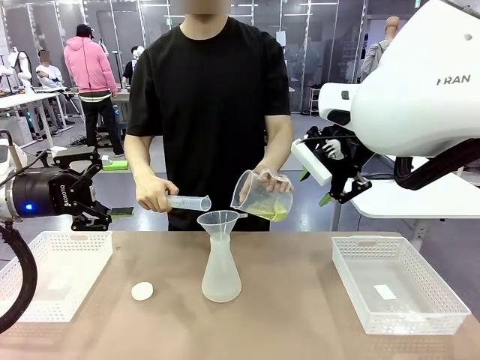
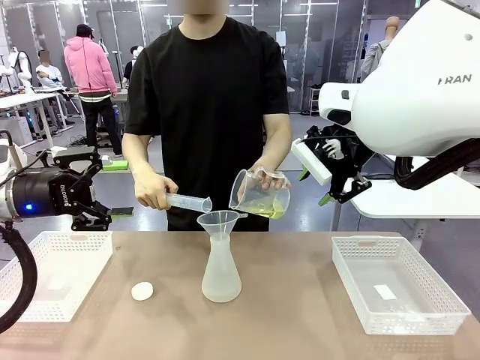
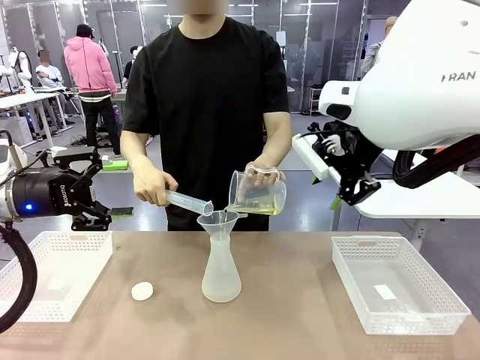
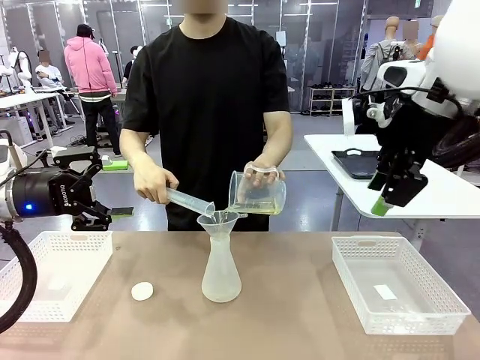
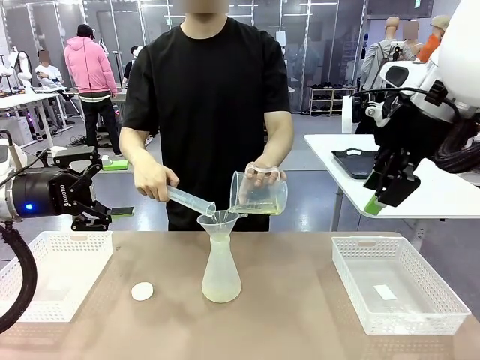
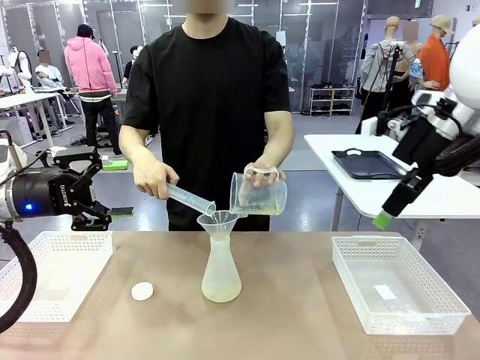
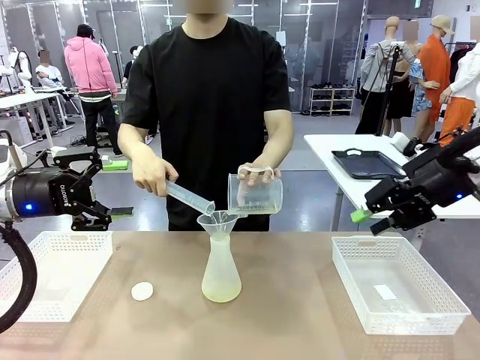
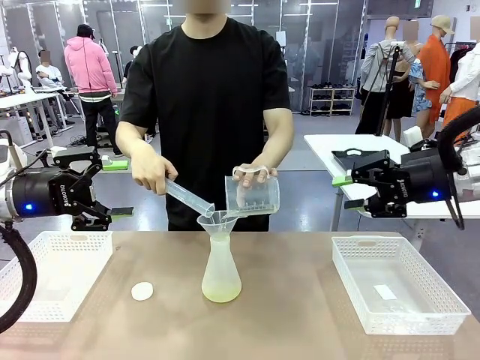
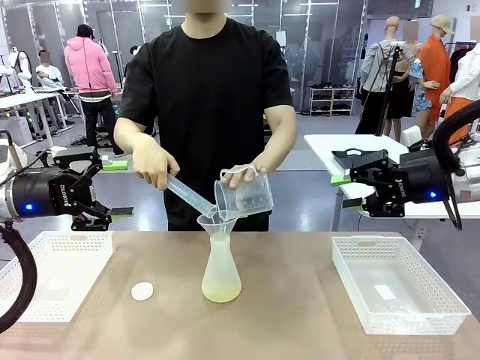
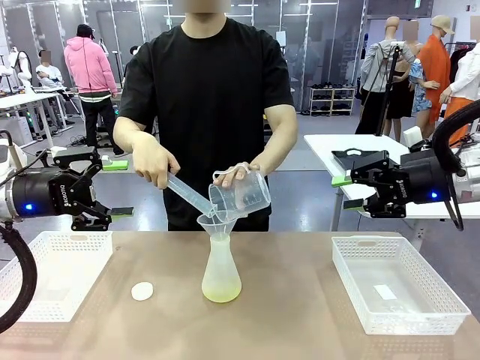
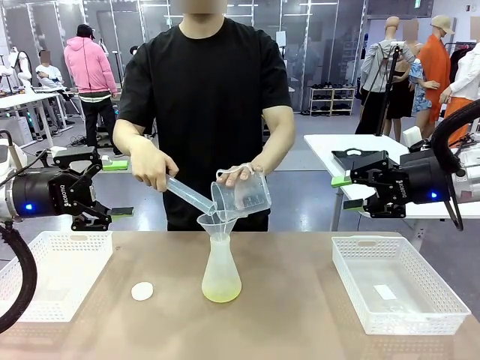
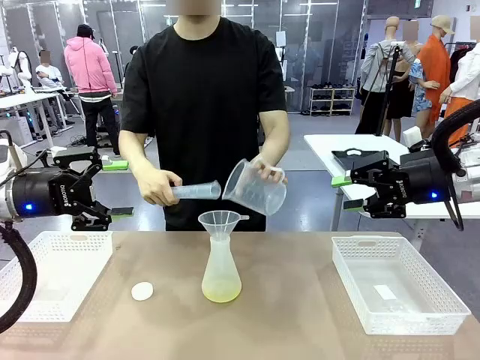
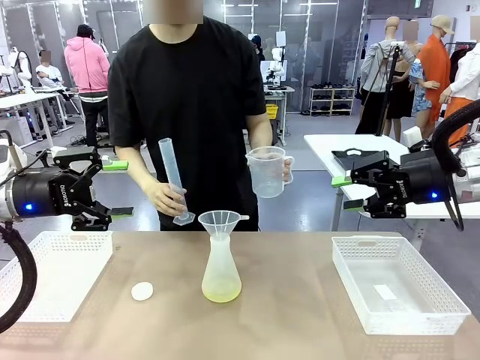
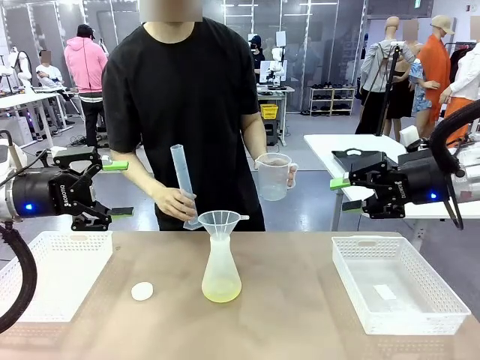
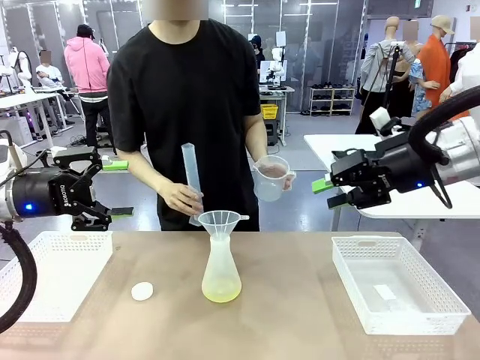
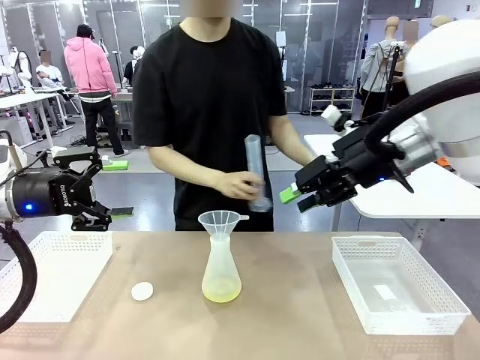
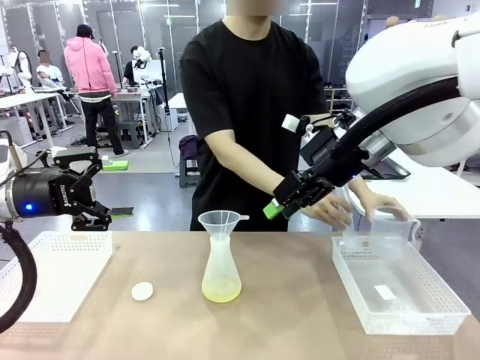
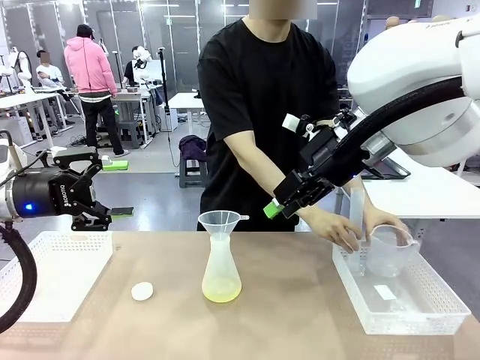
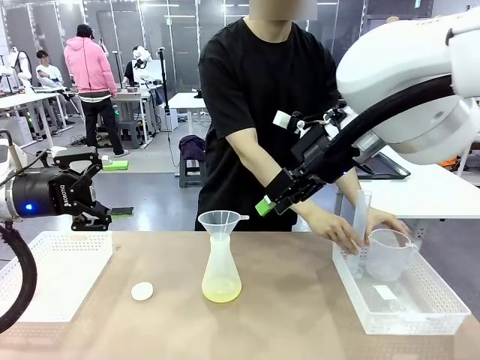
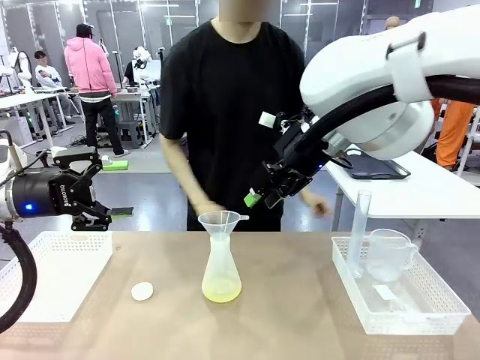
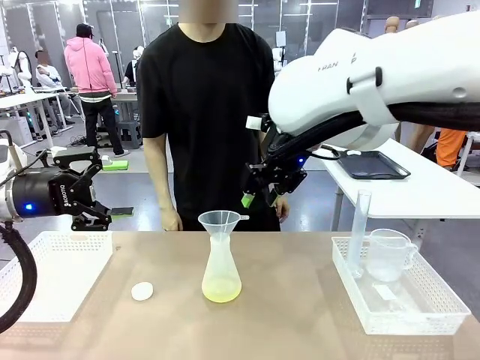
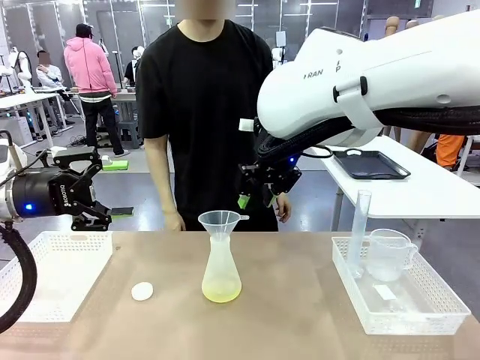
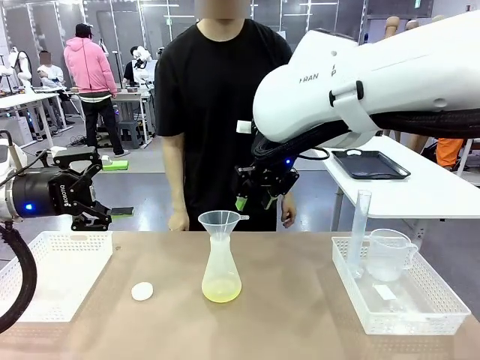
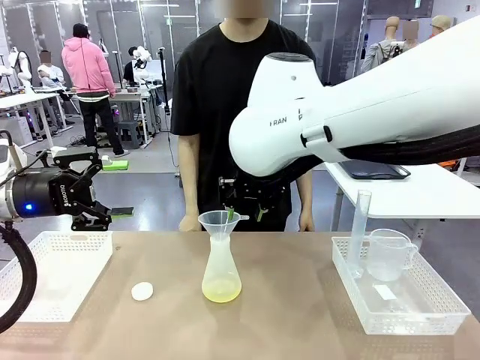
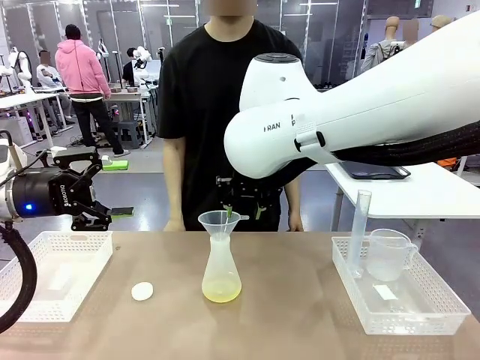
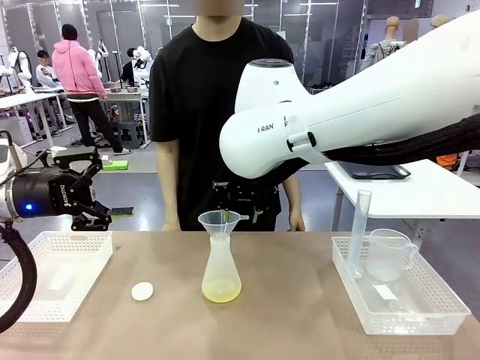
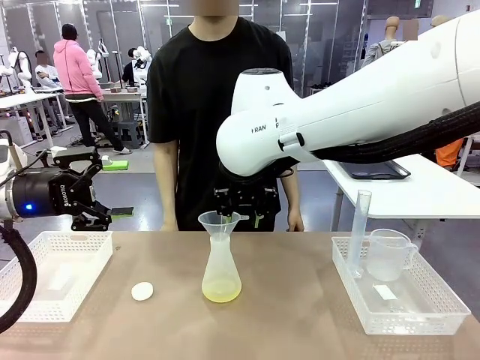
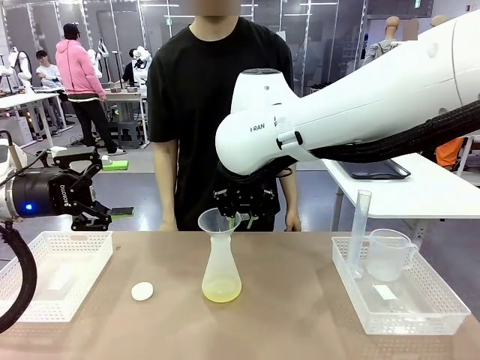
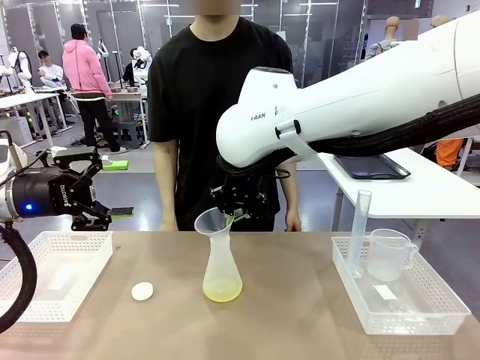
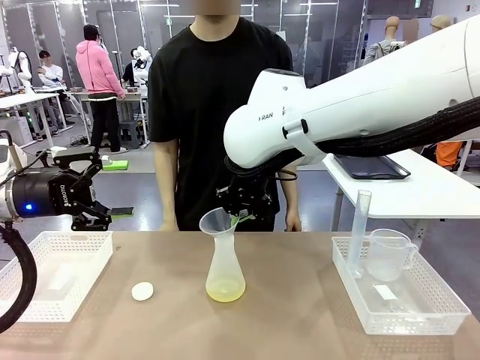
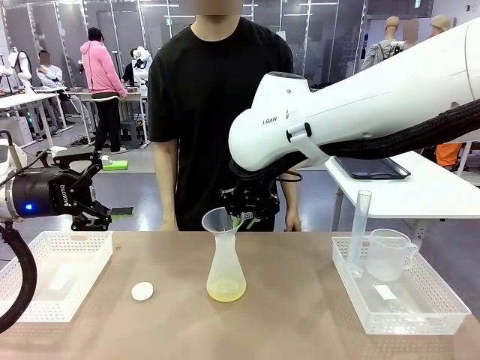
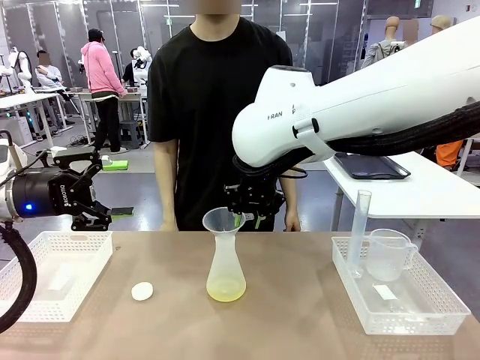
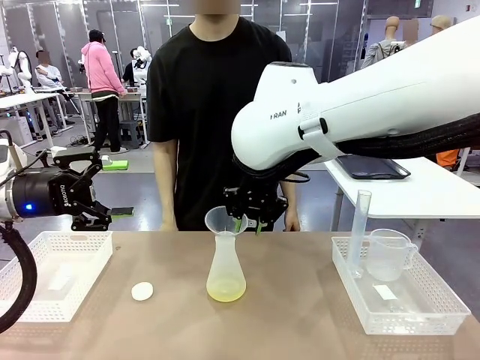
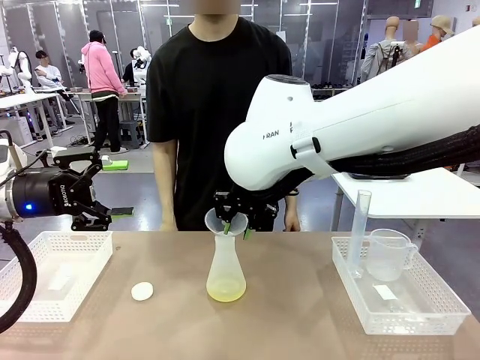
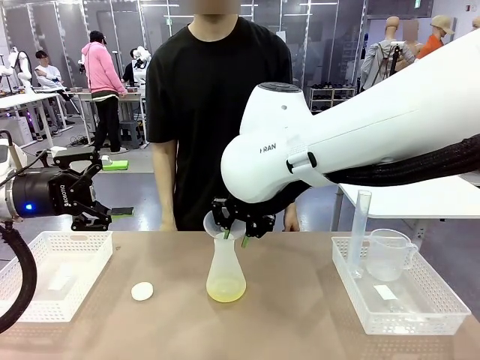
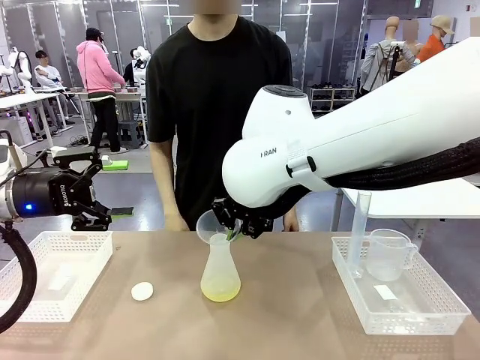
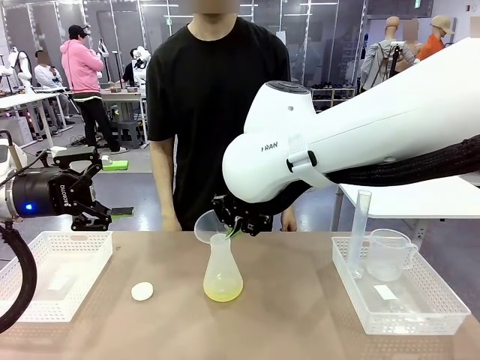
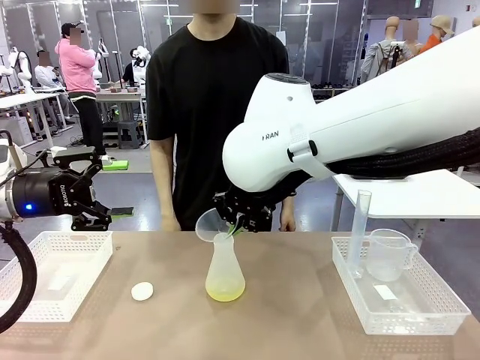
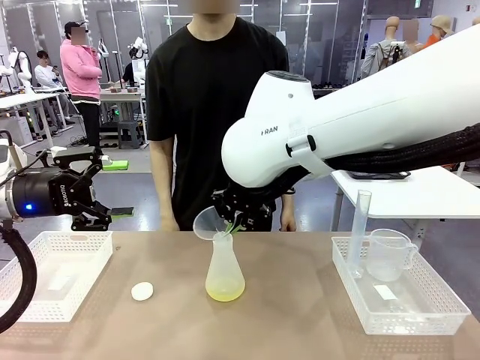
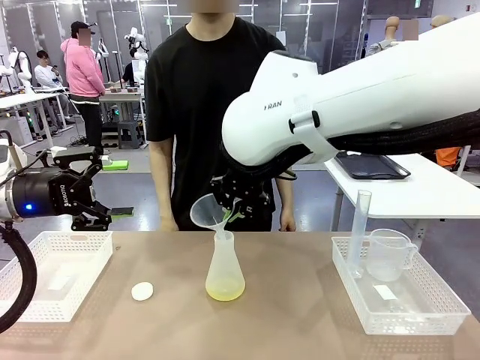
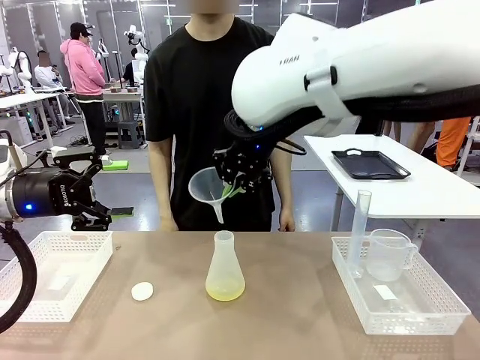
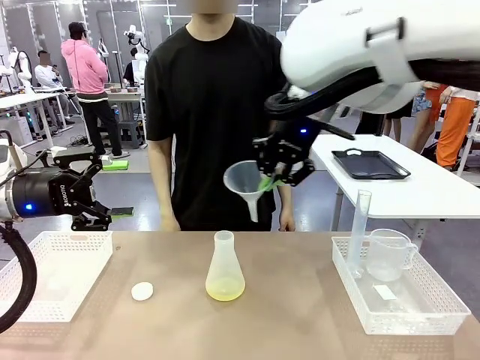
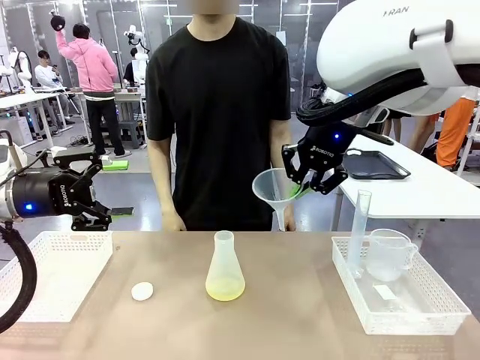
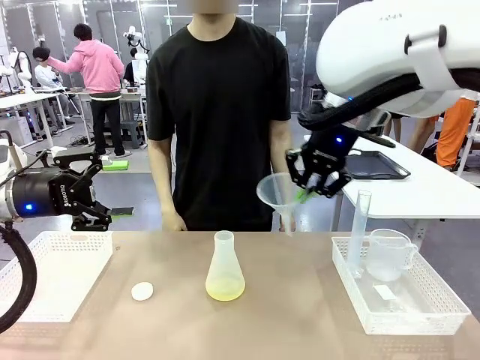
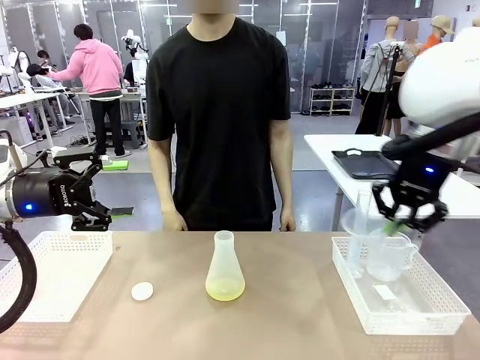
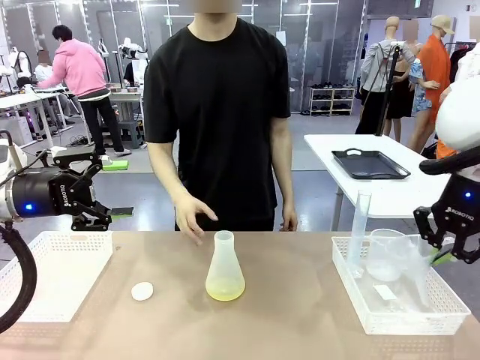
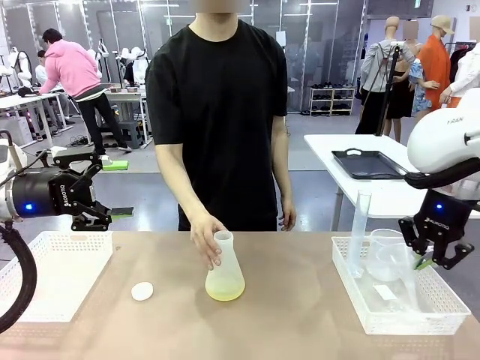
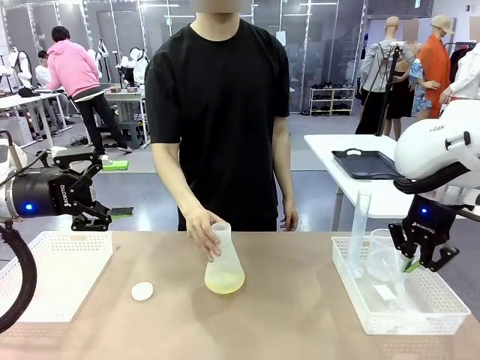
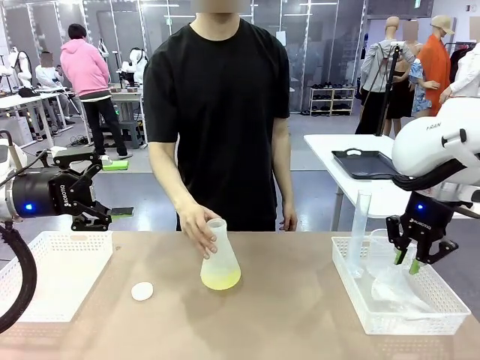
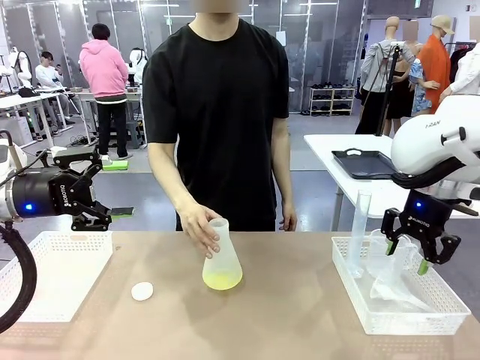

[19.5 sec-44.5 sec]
Task: Prepare the solutions needed for the experiment.
Robot: Once the solution is in the Big flask , pick up the Plastic Funnel and place it back into the right Organizing basket.
Person: Place the beaker and the cylinder into the organizing basket on the left side. Pick up the flask, gently shake it 2–3 times, place it in the middle of the robot table, and close the lid.
